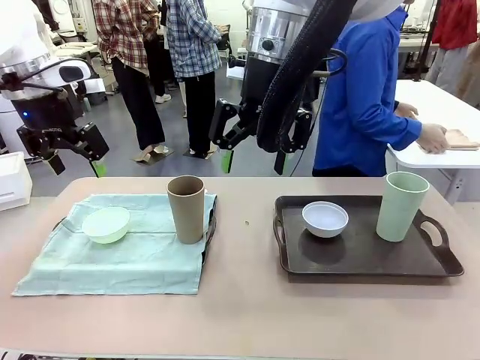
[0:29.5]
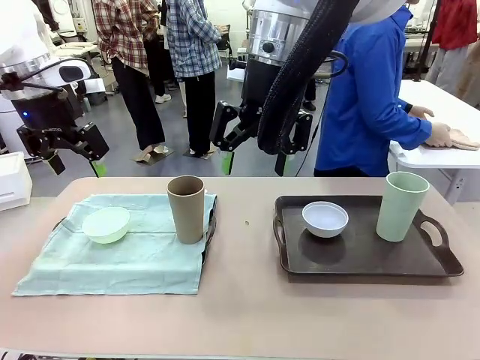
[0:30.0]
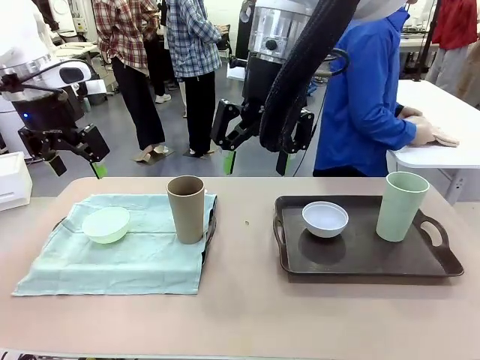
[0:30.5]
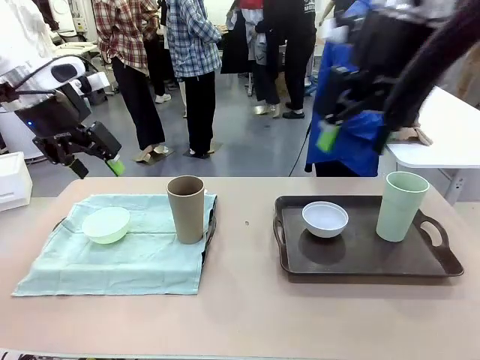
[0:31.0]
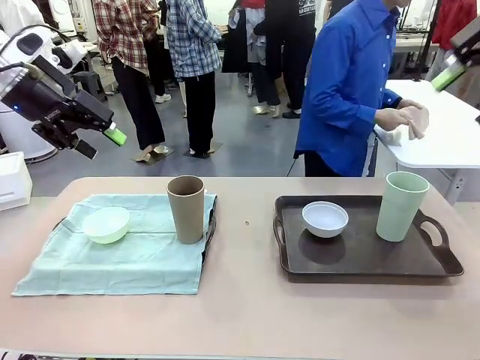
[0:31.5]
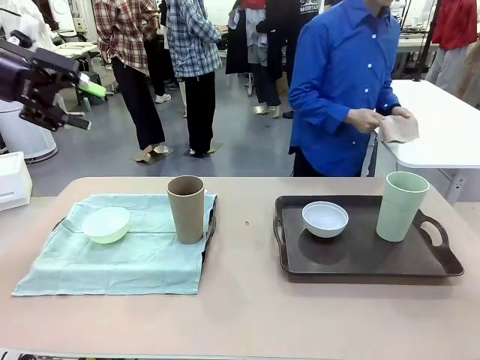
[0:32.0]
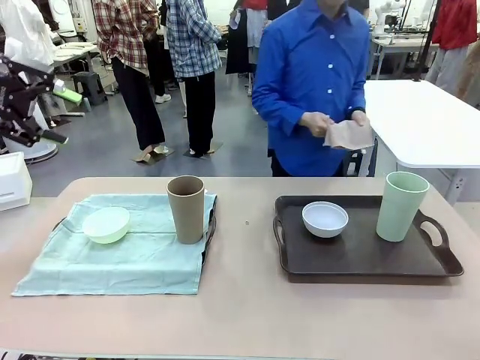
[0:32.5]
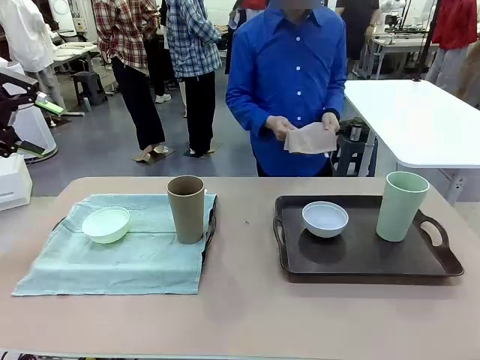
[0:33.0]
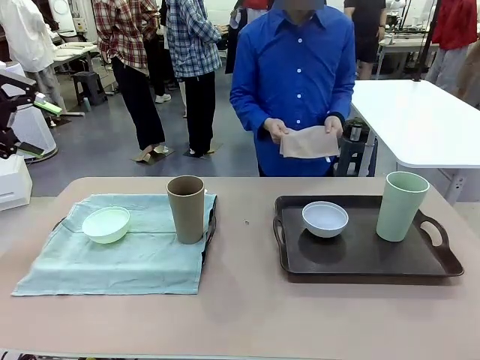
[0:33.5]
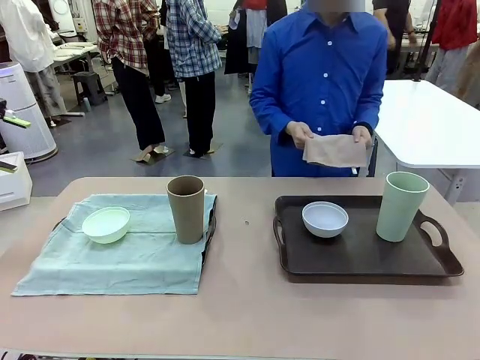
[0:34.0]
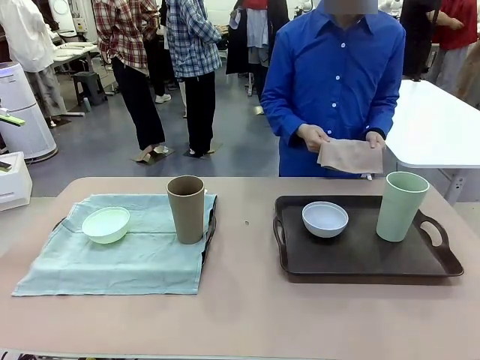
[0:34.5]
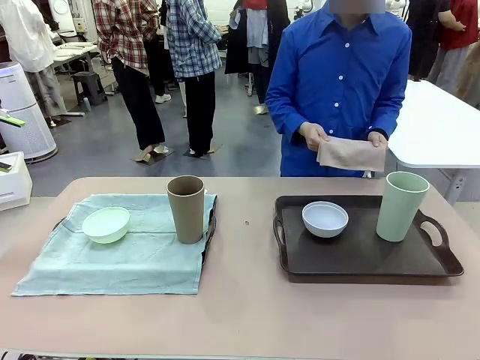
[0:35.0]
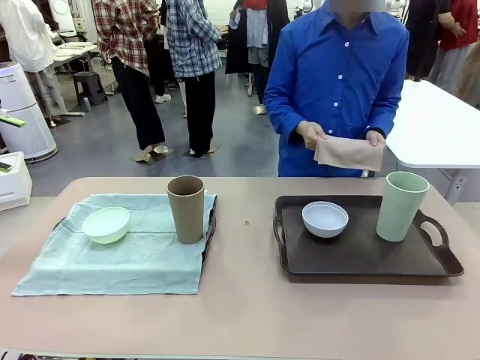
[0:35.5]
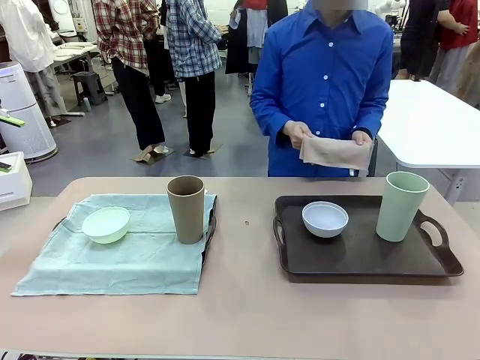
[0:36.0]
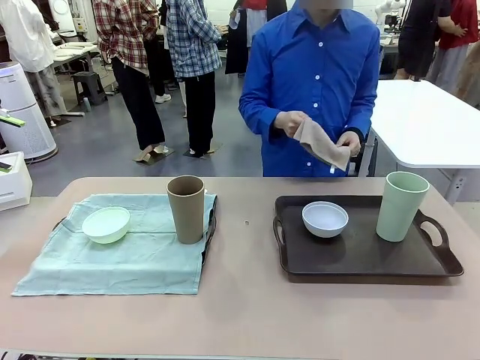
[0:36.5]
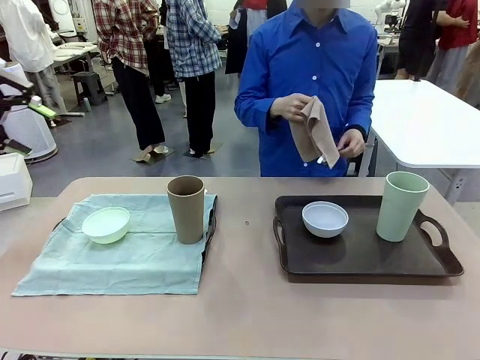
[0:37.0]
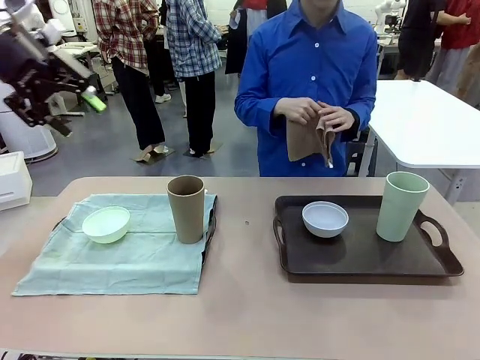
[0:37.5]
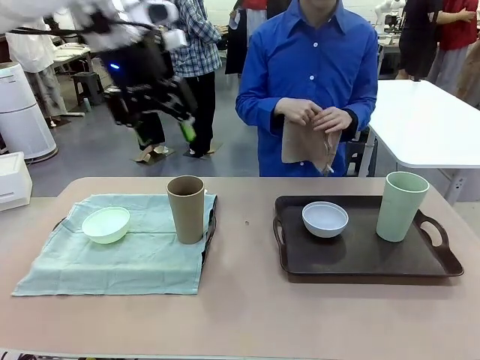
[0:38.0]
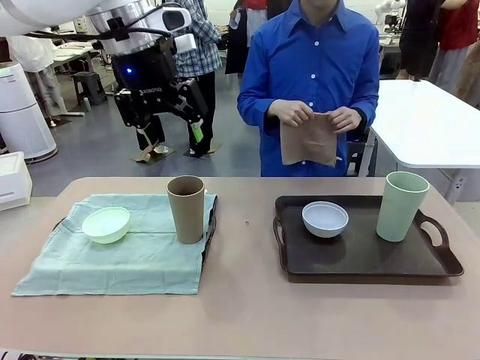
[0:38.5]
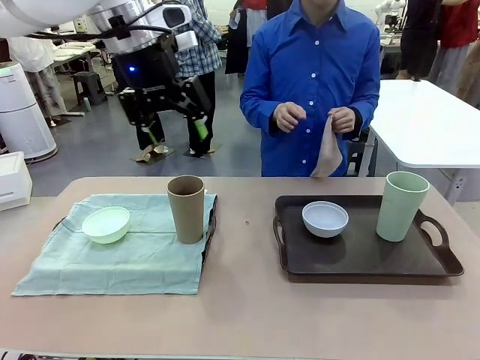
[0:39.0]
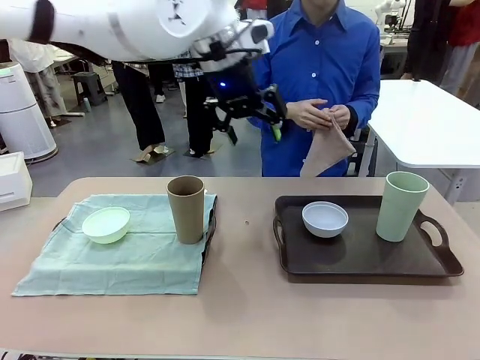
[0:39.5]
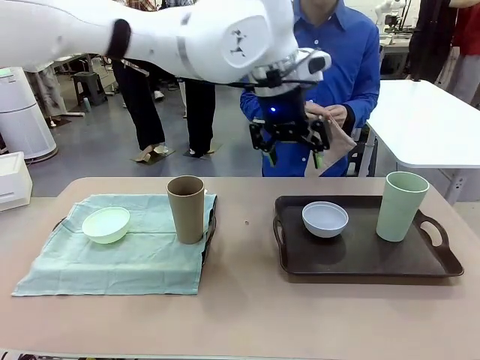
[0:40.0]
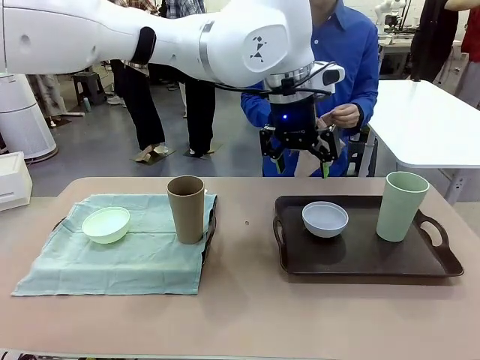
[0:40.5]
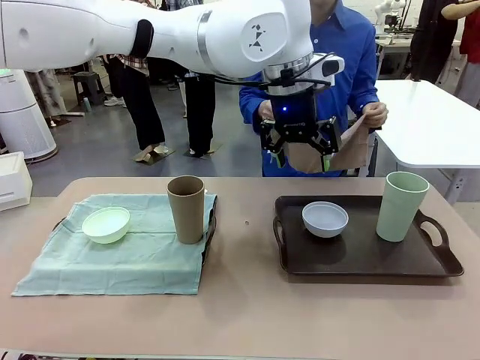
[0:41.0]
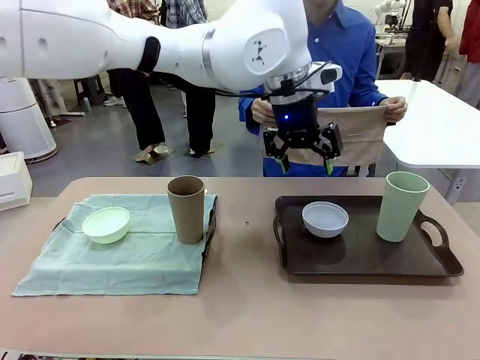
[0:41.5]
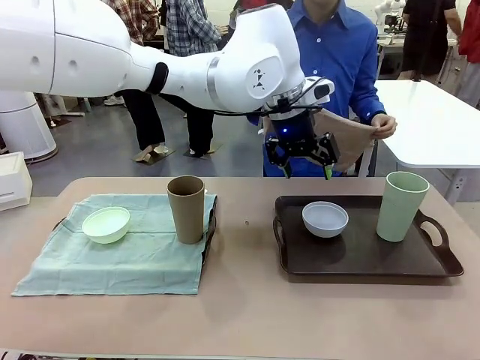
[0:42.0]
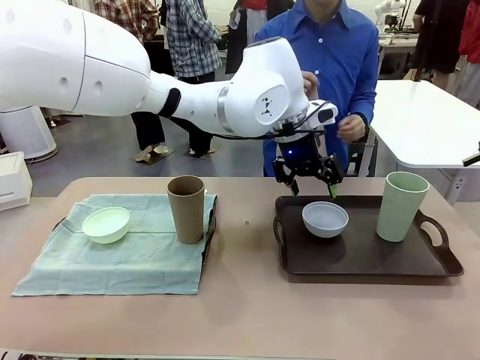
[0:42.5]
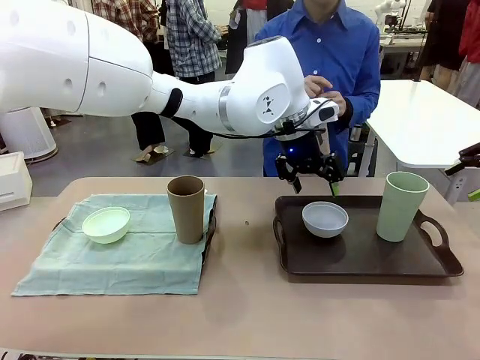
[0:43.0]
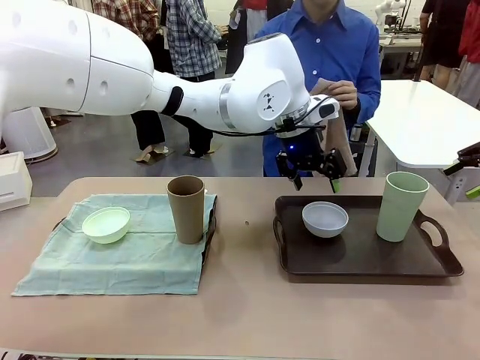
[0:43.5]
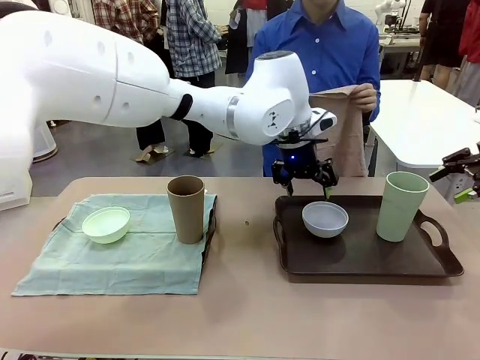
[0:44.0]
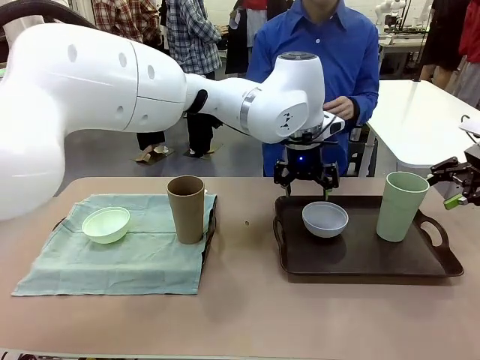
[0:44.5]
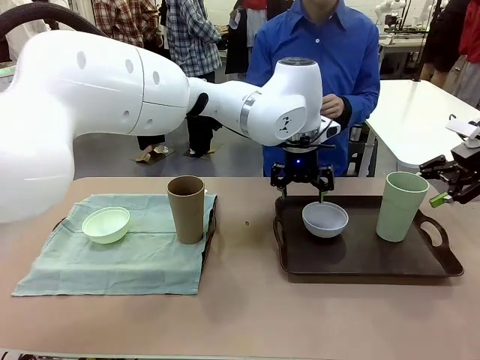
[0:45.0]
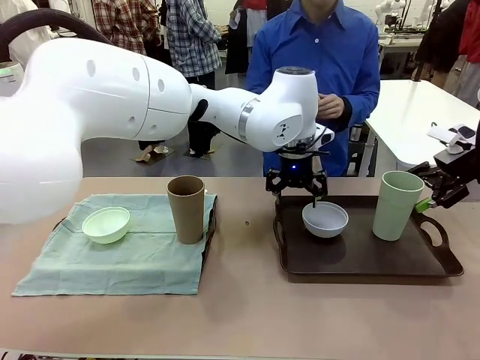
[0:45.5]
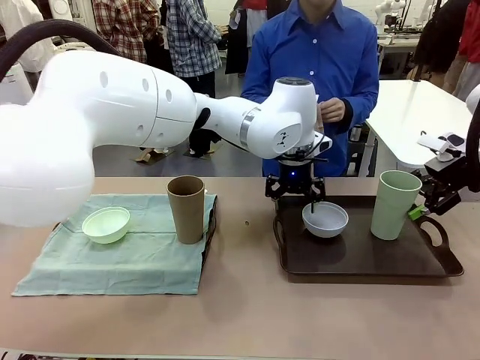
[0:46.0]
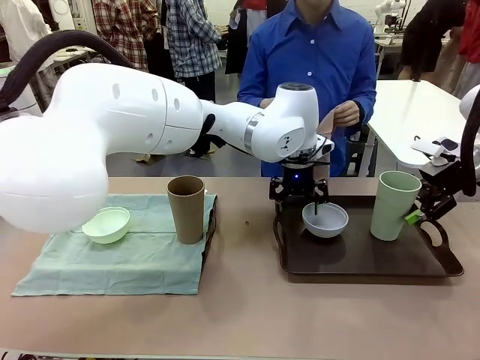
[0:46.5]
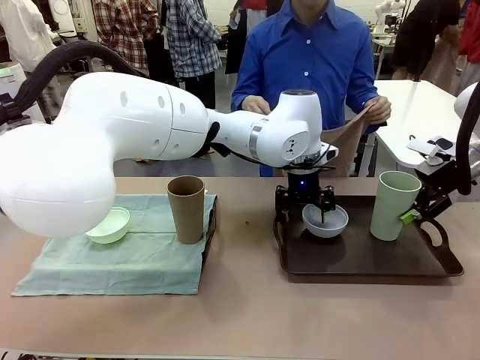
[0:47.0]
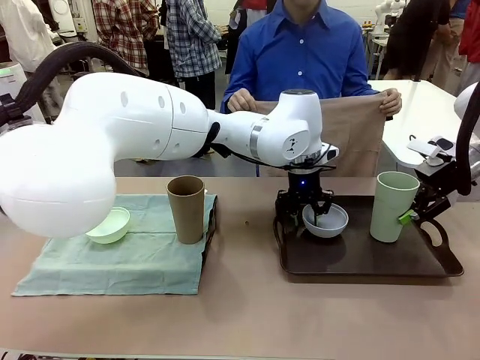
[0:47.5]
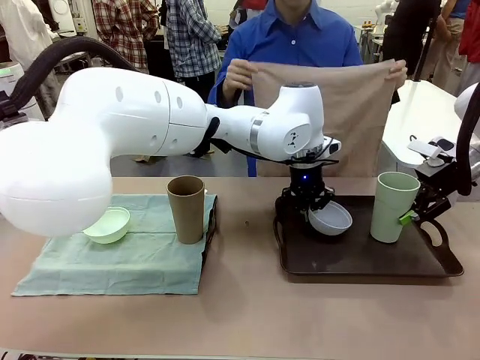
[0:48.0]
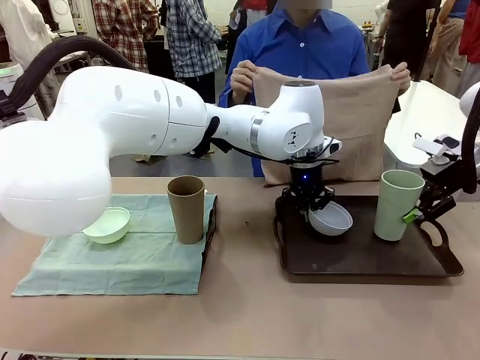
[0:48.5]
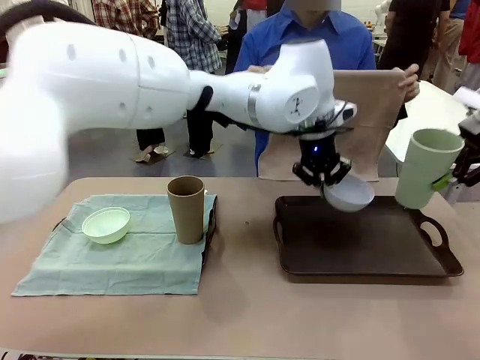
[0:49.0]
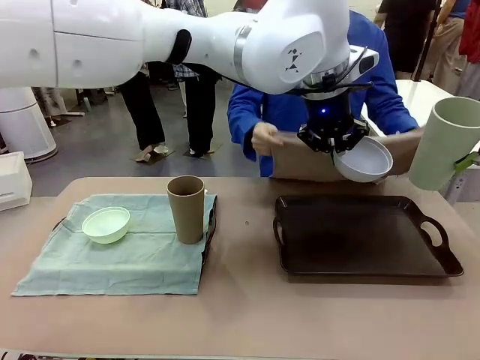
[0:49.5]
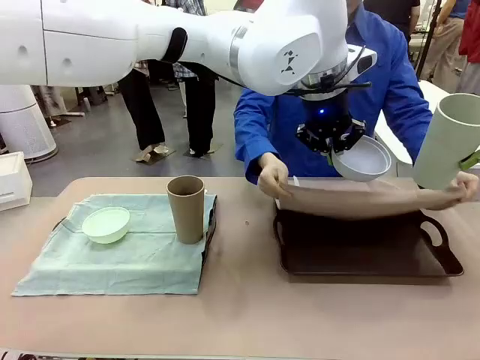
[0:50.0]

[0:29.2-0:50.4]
Robot: Pick up the Picnic Bowl and Reusable plastic cup from the Handle tray in front of the human's position and hold them in the air.
Person: The human returns to the human table to pick up another napkin and walks to the robot table to stand in front of the tray without a napkin. When the robot lifts the bowl and the cup, the human unfolds the napkin and lays the napkin flat on the tray.
